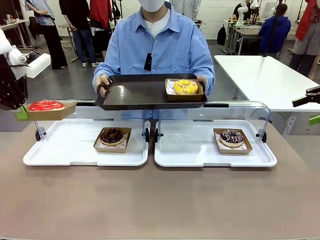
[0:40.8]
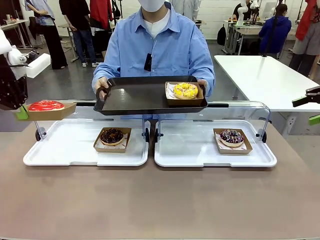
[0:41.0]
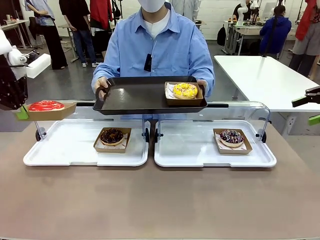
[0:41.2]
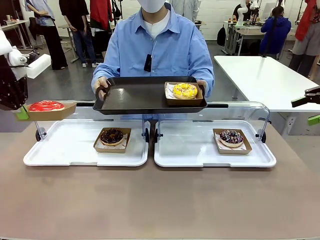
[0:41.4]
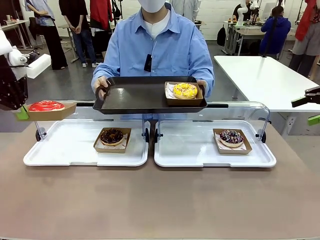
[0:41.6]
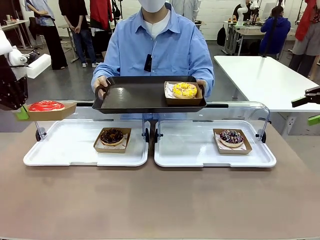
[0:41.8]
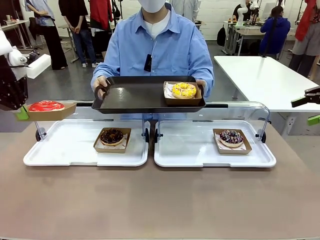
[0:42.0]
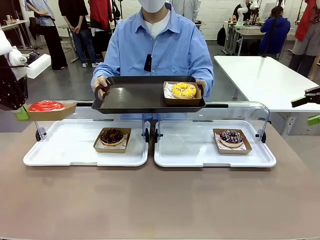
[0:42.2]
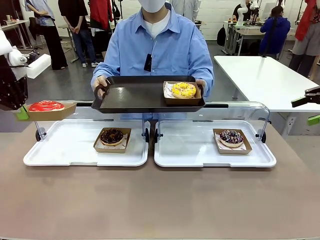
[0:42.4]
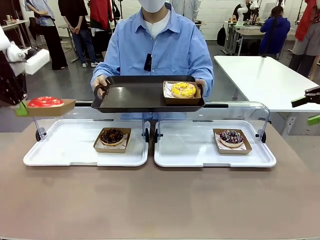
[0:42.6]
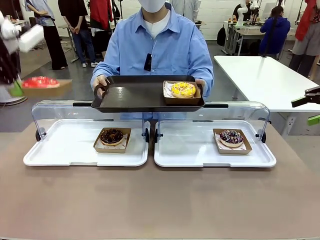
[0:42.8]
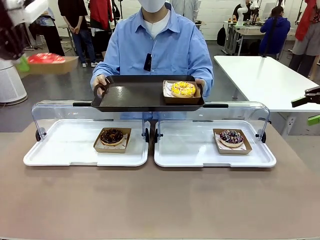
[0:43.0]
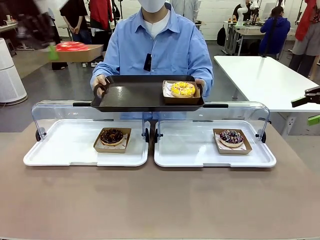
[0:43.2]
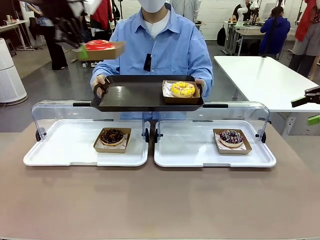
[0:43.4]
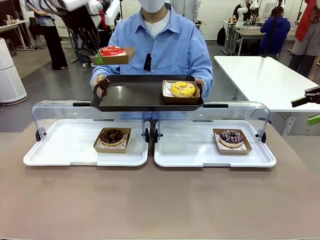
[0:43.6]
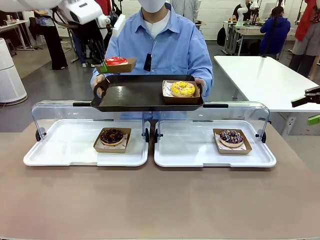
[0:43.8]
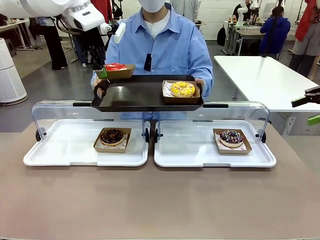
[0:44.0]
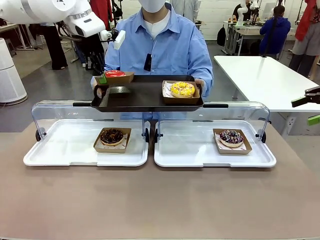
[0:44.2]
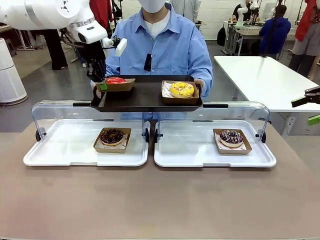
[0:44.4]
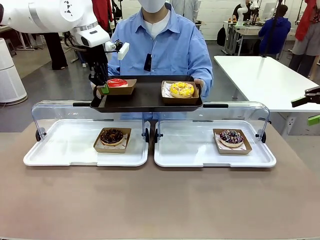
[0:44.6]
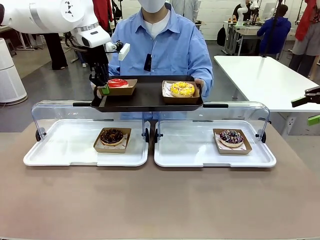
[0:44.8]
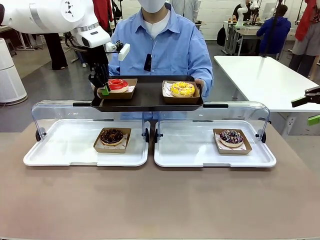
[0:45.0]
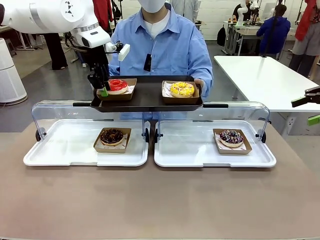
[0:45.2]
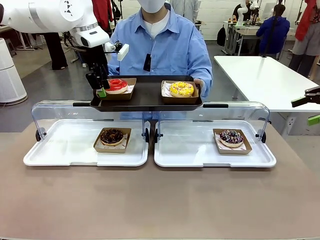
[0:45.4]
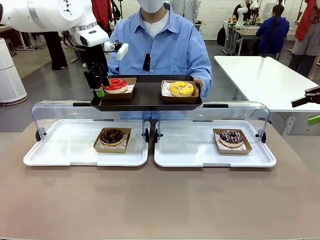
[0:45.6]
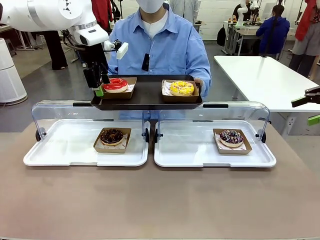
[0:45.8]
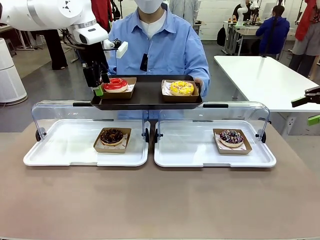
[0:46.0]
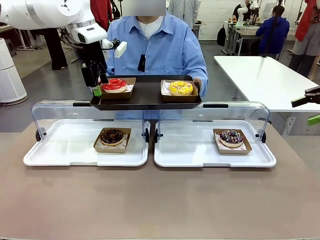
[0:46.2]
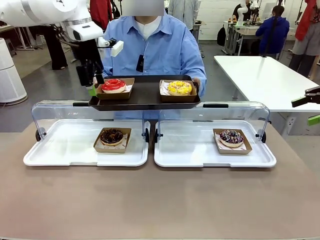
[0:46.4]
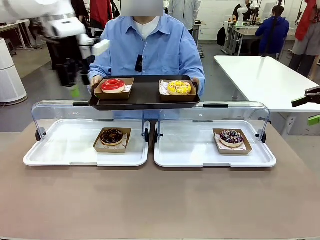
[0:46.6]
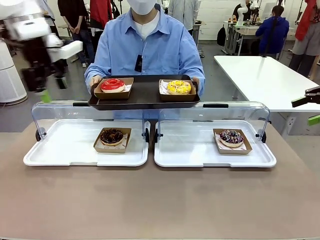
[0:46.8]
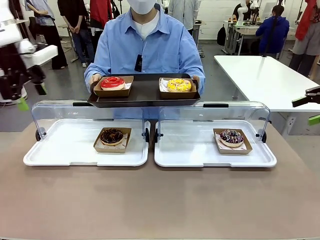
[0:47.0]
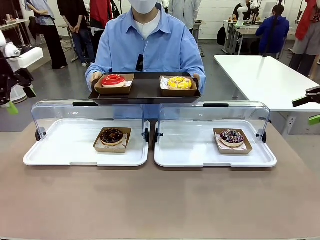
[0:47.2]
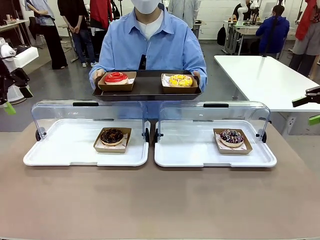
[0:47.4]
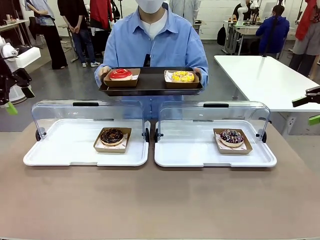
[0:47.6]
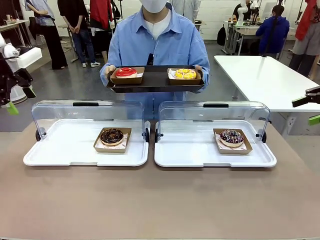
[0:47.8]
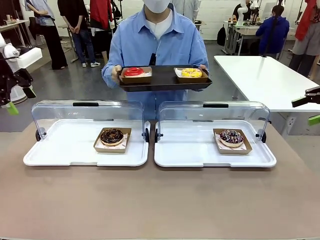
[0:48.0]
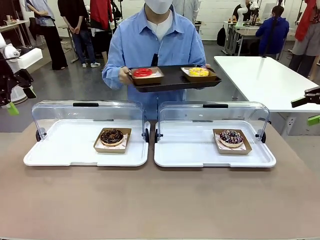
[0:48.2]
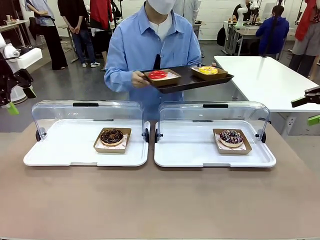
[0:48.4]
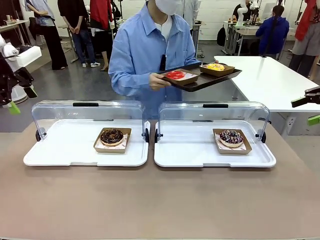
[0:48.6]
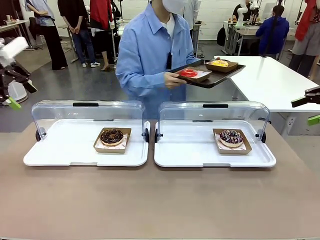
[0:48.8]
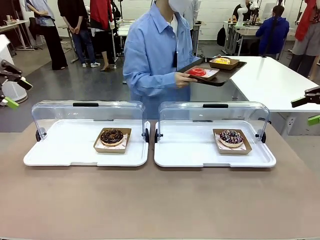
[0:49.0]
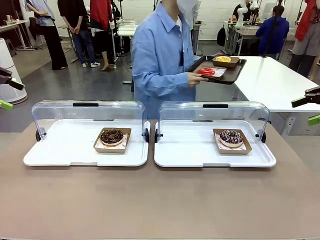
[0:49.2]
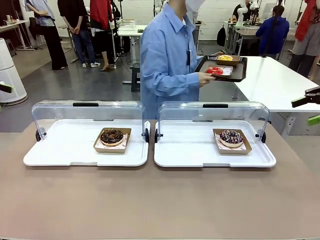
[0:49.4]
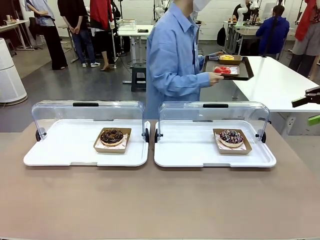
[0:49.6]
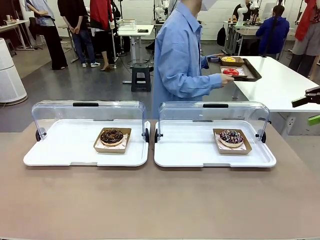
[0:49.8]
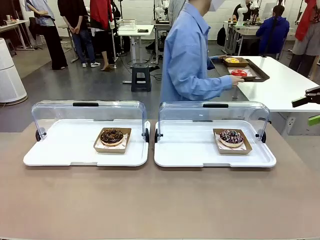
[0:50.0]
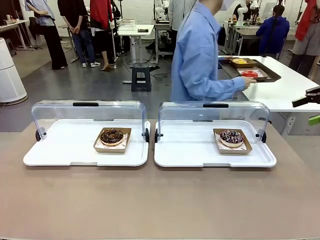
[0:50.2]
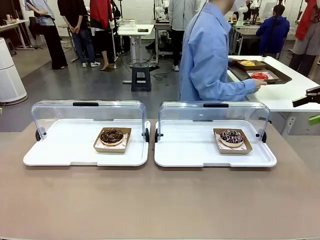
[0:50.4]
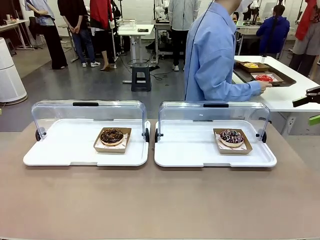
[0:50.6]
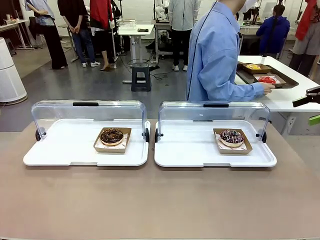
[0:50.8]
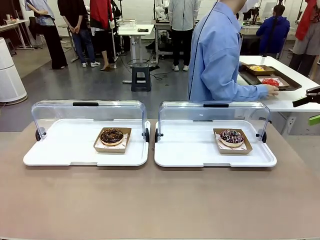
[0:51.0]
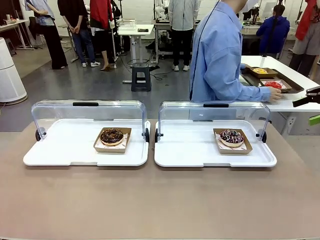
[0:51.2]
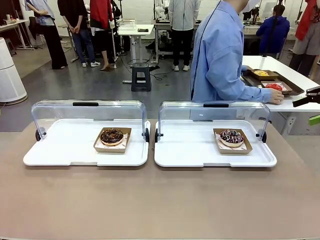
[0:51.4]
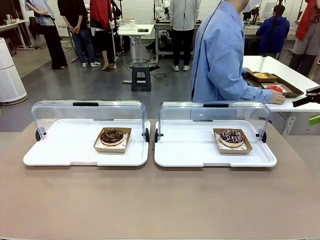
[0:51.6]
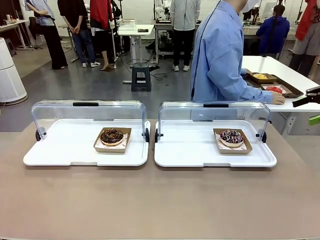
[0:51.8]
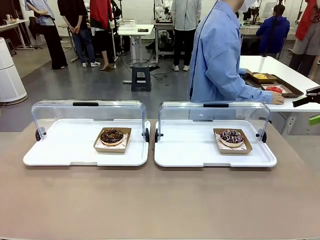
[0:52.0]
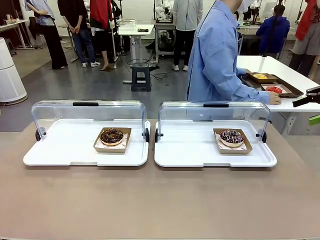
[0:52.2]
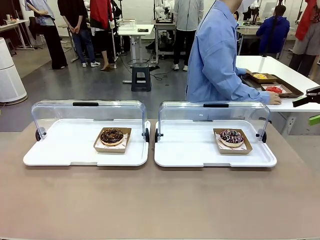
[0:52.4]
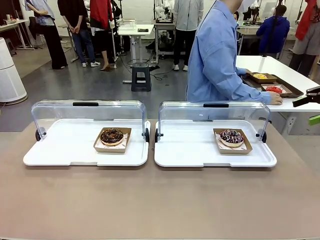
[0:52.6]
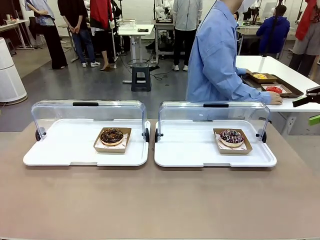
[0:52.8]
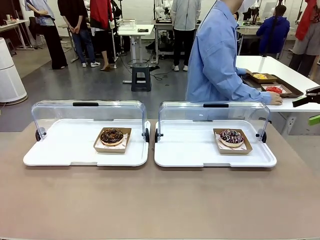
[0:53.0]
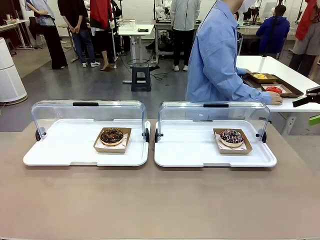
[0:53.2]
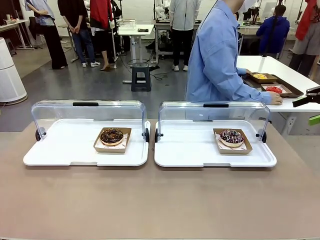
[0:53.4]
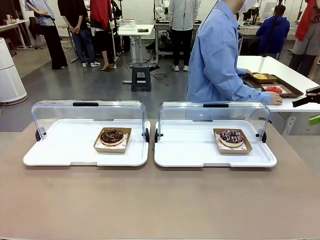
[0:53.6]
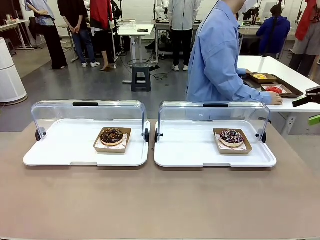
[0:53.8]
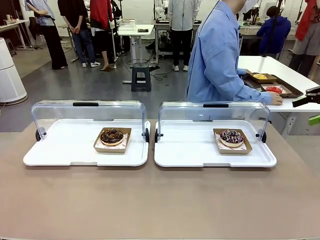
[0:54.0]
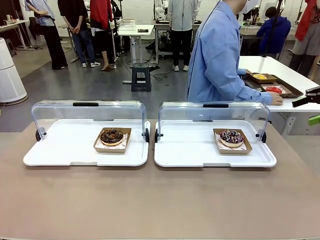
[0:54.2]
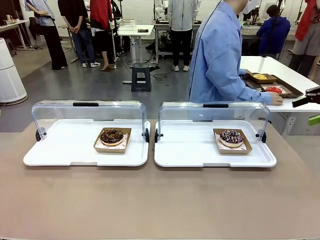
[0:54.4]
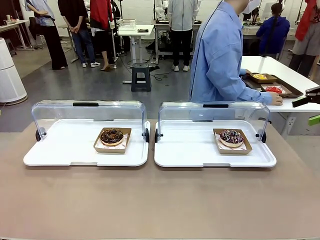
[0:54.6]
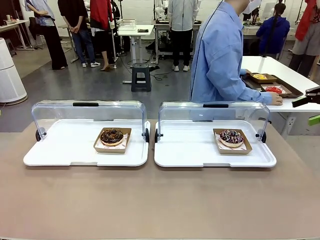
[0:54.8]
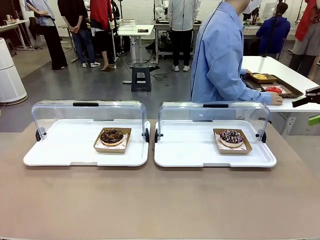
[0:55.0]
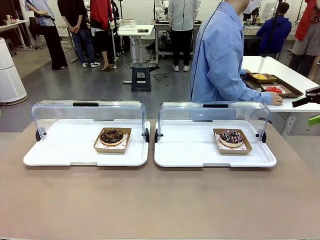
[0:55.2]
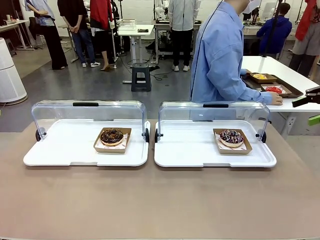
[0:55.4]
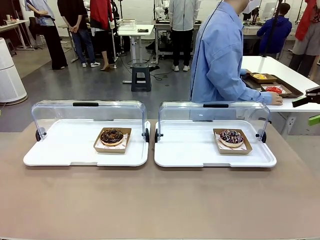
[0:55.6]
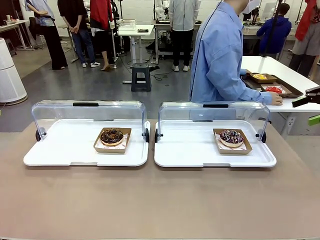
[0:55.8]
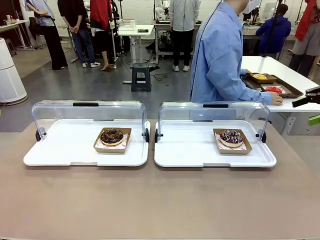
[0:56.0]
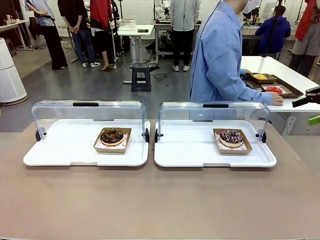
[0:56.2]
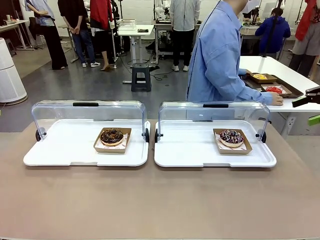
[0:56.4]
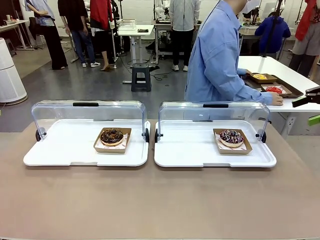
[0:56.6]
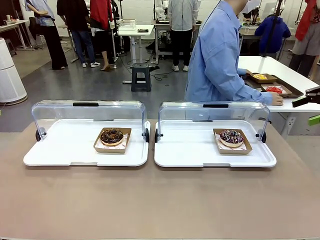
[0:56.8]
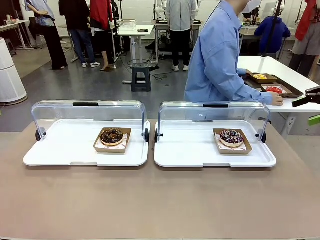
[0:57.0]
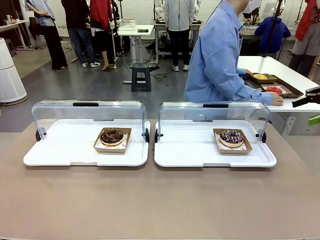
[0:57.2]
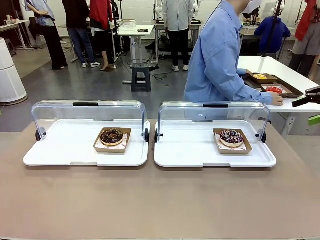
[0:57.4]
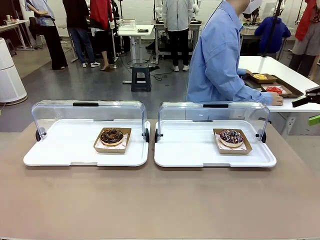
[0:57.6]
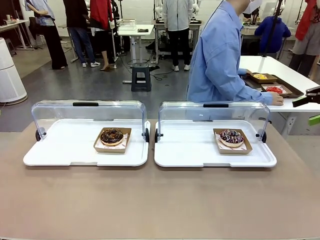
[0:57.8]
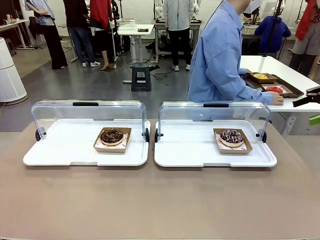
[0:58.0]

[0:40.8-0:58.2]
Task: Provide the desired donut to the person.
Robot: Place the picked Paper togo box onto the Handle tray extended by the person.
Person: Place the tray in the middle of the human table.

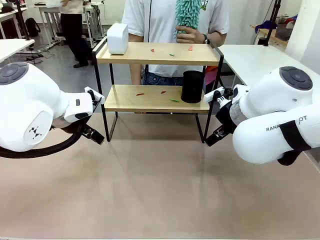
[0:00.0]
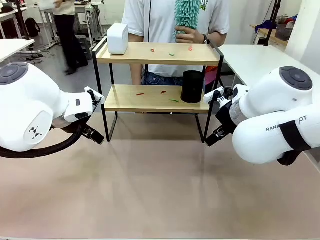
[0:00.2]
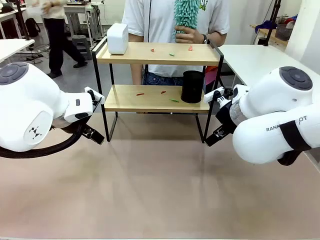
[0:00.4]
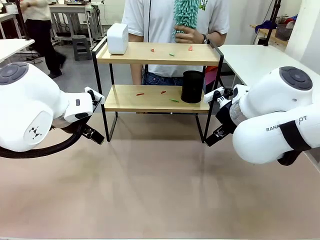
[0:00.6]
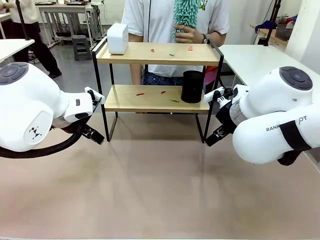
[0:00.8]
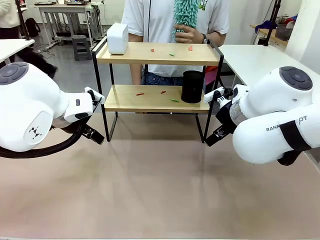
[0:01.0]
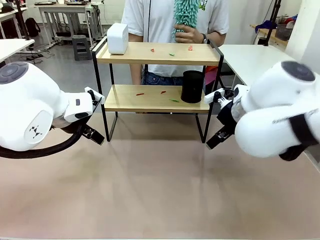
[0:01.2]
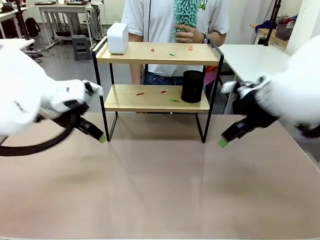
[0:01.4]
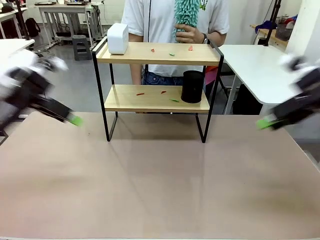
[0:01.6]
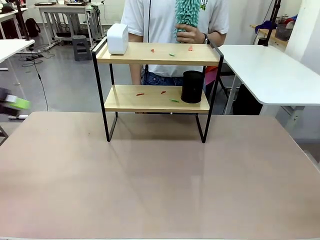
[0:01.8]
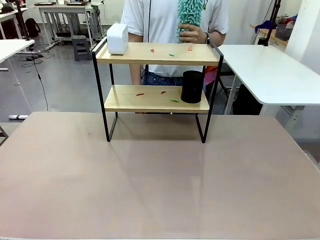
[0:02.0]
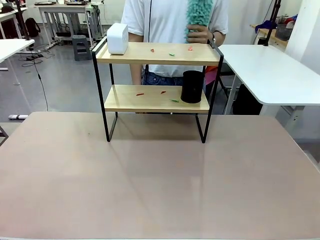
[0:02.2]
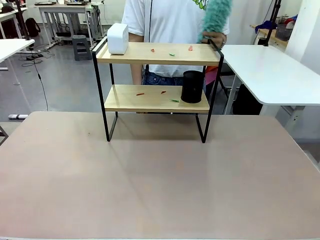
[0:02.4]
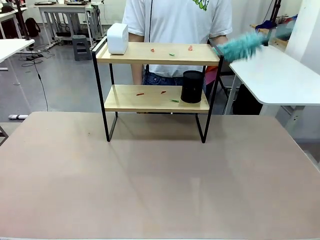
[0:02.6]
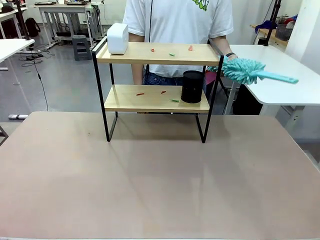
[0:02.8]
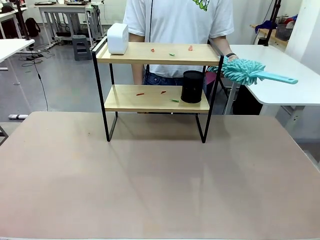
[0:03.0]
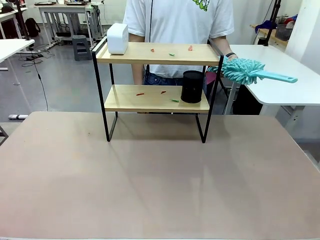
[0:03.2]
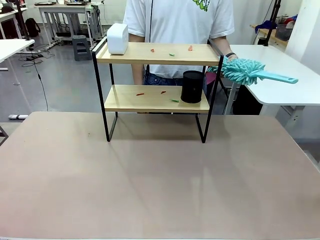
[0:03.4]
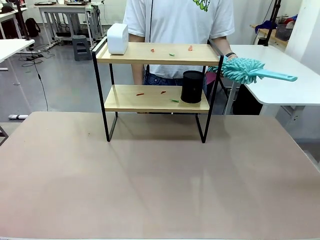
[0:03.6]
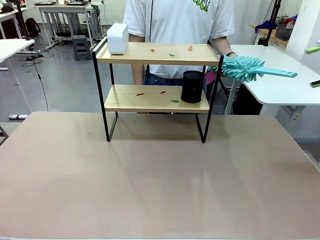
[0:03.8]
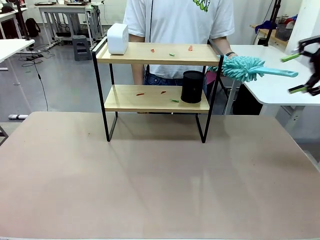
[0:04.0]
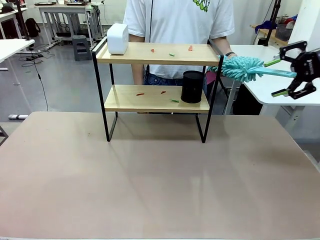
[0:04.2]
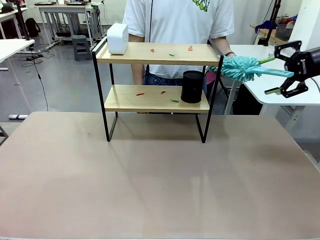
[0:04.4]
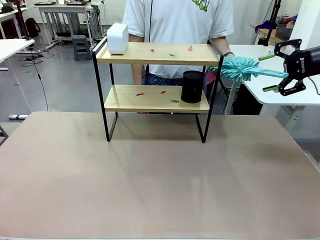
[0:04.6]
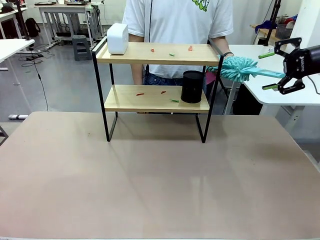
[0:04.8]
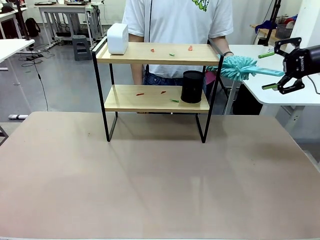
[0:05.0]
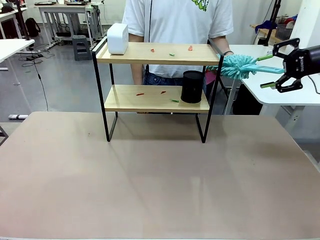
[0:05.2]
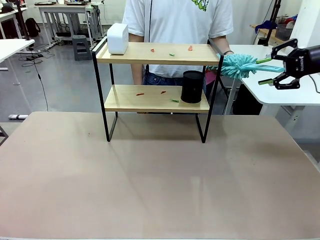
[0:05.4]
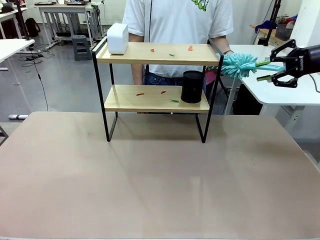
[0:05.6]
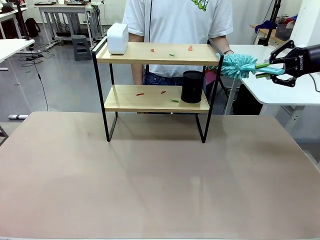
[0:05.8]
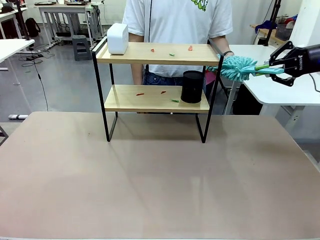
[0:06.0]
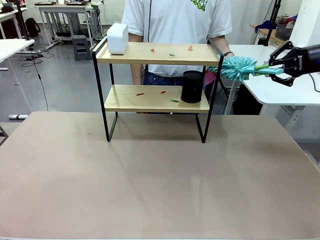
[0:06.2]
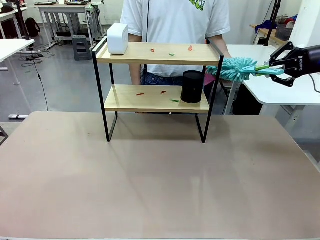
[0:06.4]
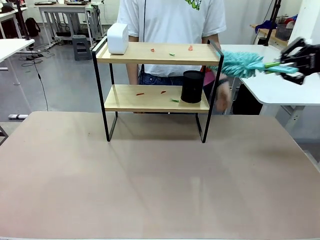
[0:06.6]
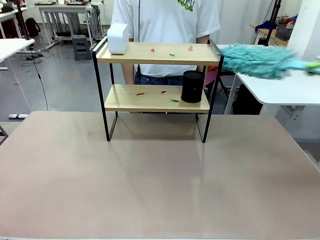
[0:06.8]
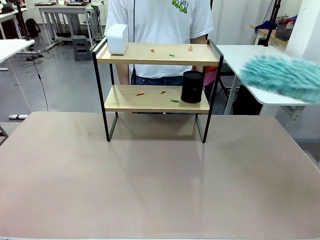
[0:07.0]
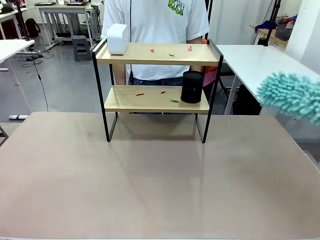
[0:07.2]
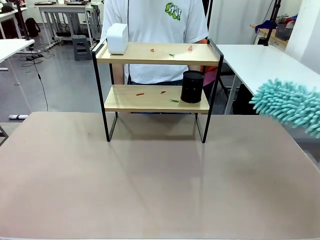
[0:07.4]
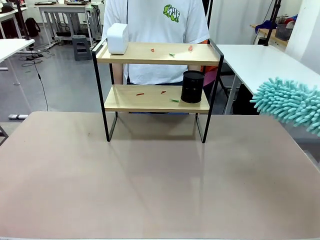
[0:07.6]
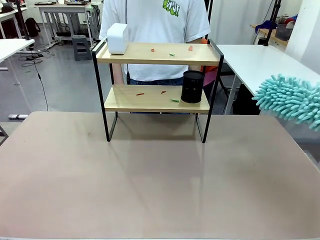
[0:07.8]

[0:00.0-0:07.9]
Task: Clean the shelf.
Robot: Pick up the Duster from the human.
Person: Hand the Duster to the robot.
